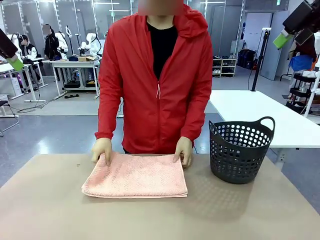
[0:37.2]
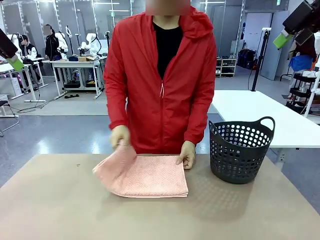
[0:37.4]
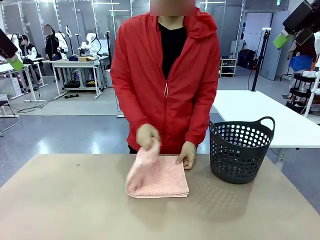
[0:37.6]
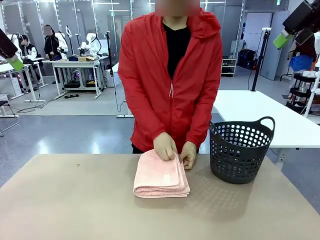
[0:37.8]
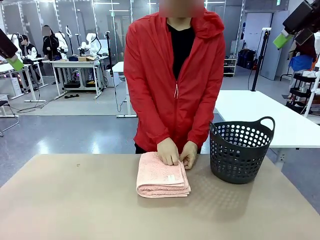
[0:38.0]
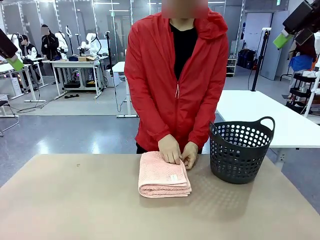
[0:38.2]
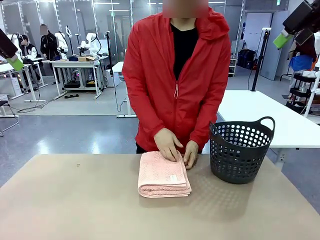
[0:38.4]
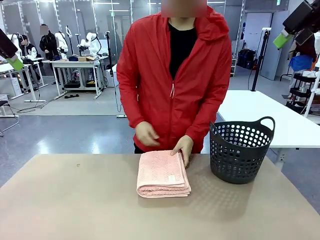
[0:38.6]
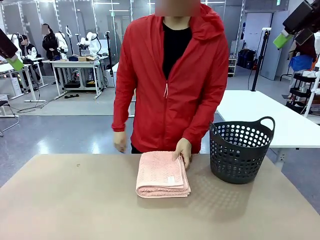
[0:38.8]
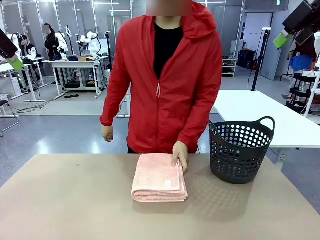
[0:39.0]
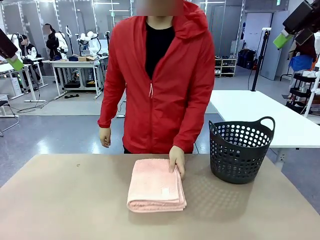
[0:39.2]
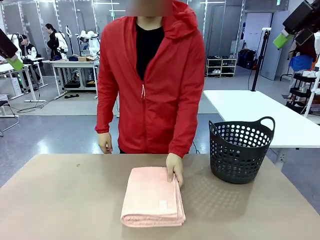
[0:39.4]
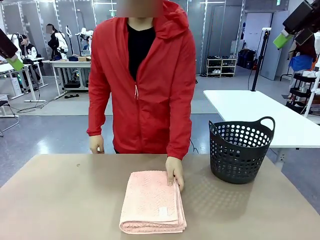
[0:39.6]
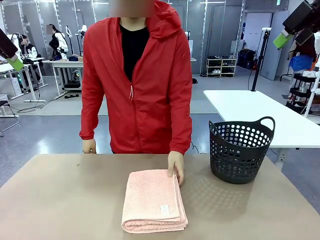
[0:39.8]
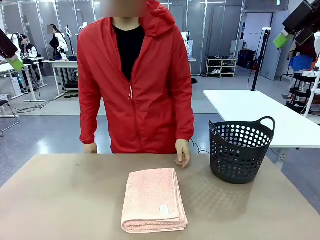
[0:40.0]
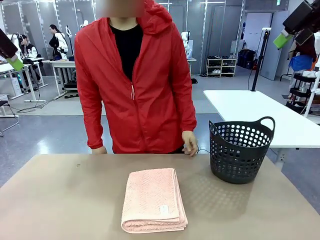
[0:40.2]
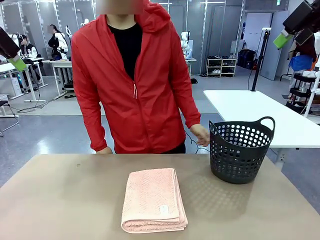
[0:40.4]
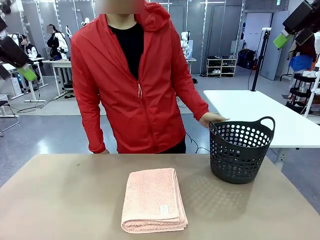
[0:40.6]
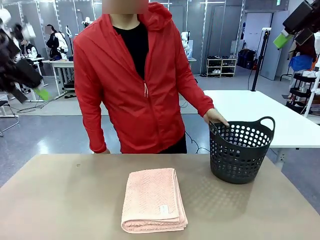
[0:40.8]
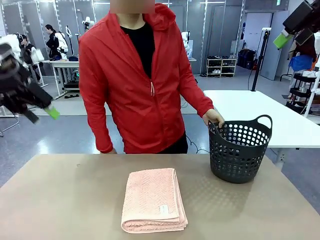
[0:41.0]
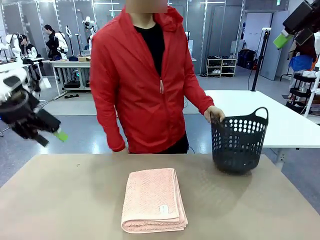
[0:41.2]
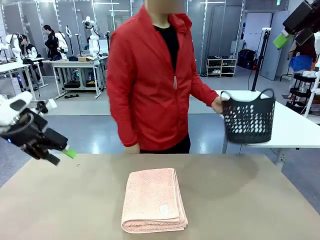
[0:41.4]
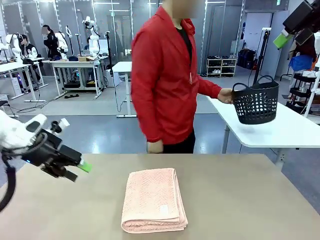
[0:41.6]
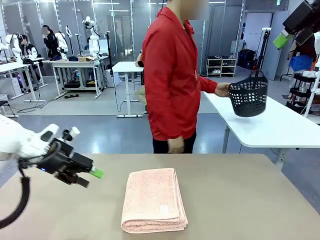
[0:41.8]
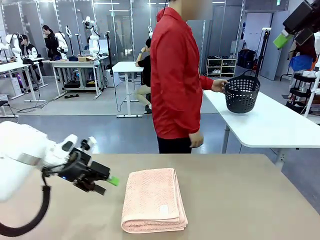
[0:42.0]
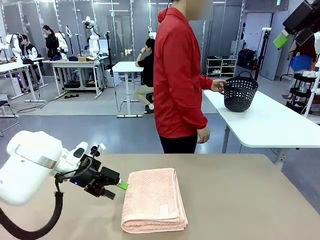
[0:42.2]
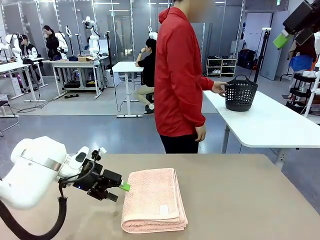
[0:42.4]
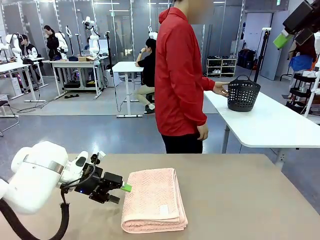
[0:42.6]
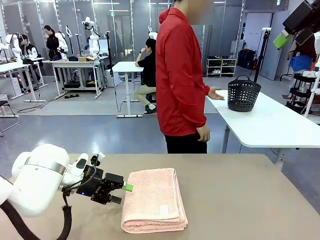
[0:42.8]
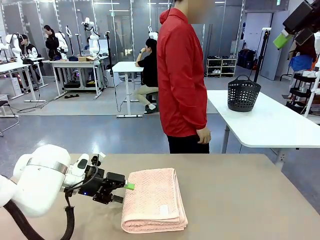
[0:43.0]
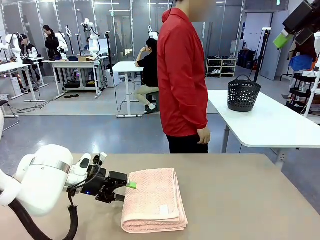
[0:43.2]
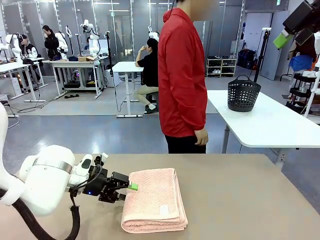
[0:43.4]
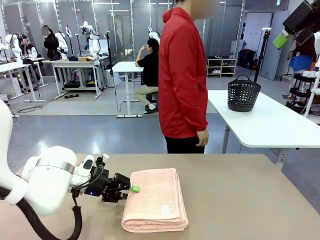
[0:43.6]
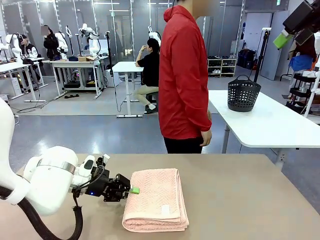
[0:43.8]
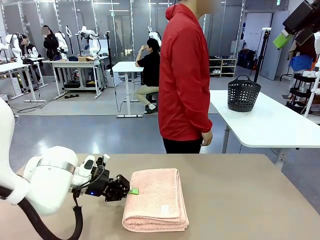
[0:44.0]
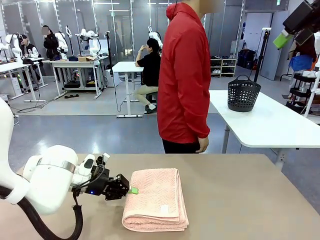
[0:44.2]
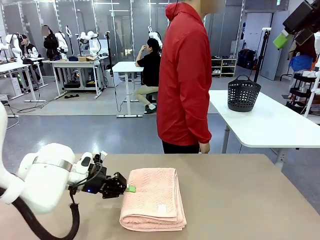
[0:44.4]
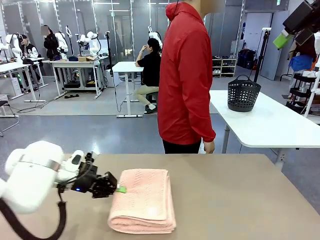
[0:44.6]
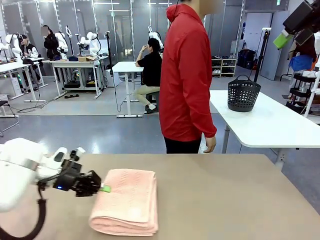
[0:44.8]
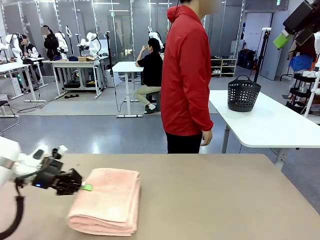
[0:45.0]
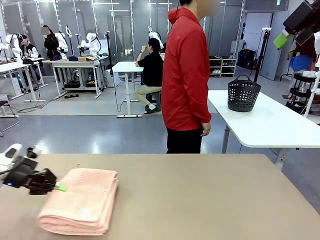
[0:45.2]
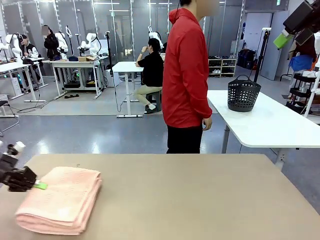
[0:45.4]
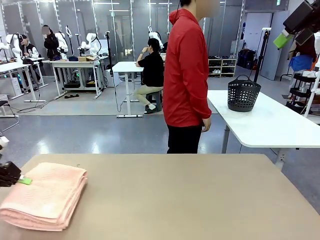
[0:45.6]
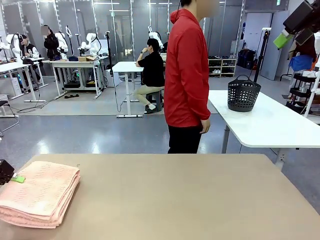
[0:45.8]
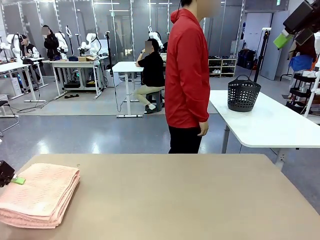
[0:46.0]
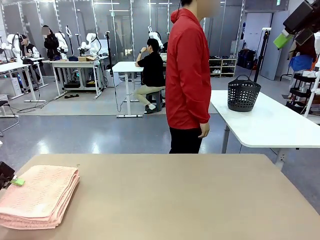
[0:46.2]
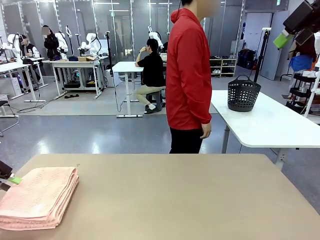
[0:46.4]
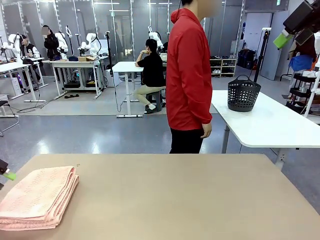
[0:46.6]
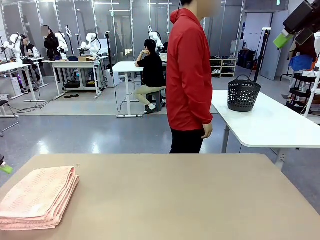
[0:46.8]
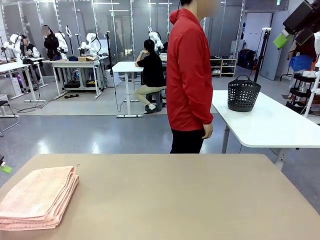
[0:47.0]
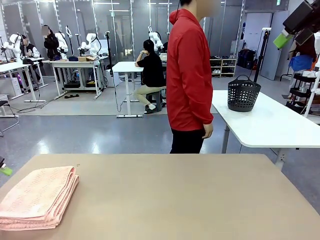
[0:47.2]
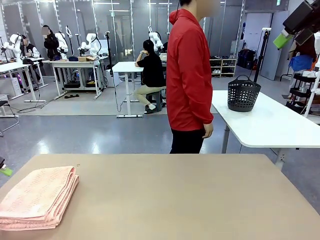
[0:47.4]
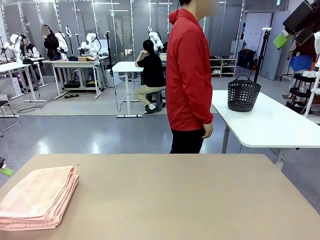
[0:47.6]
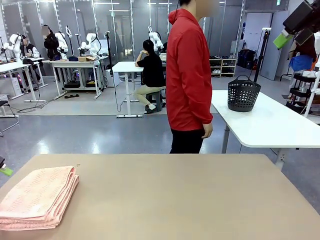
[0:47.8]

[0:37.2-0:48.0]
Task: Fold the towel.
Robot: Pick up the 100 cm Hotel Towel and place it on the left side of the table.
Person: Pick up the laundry basket and place it at the center of the human table.

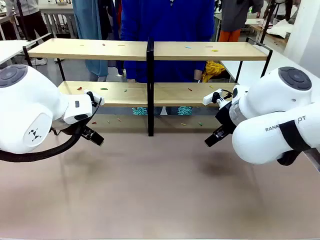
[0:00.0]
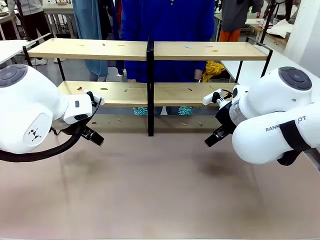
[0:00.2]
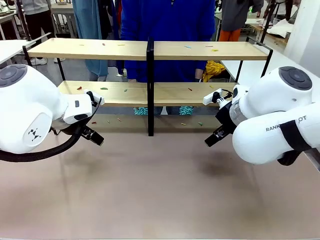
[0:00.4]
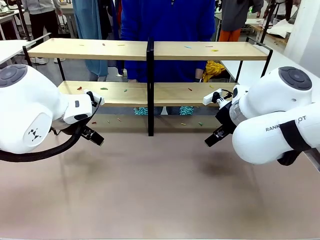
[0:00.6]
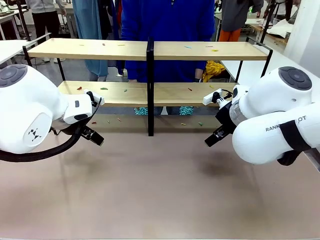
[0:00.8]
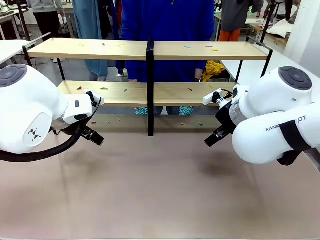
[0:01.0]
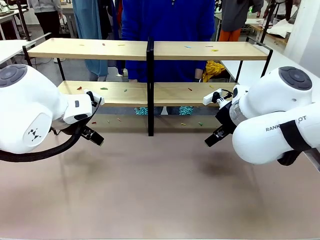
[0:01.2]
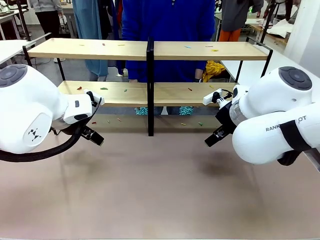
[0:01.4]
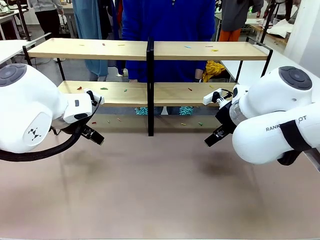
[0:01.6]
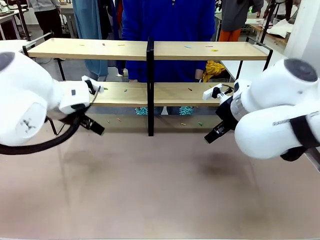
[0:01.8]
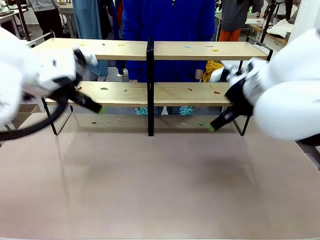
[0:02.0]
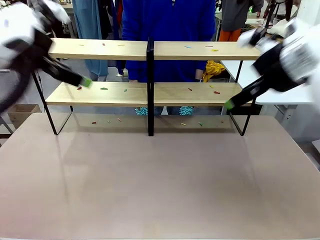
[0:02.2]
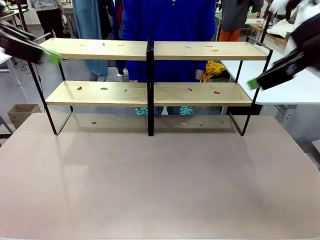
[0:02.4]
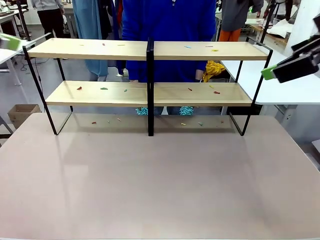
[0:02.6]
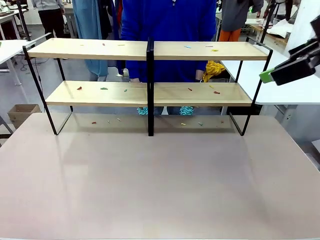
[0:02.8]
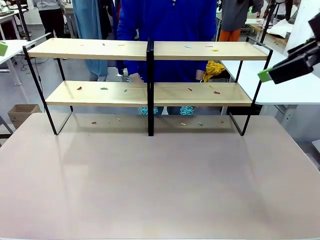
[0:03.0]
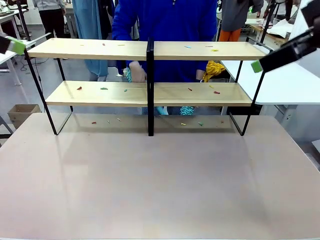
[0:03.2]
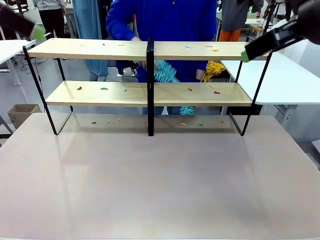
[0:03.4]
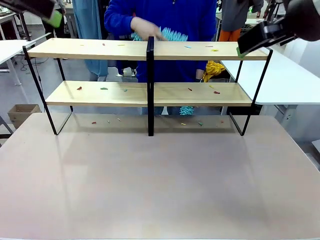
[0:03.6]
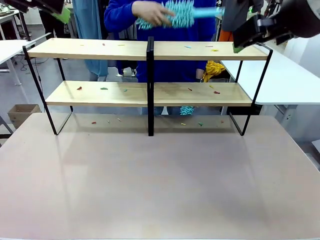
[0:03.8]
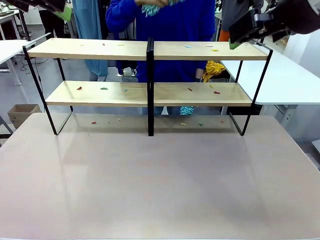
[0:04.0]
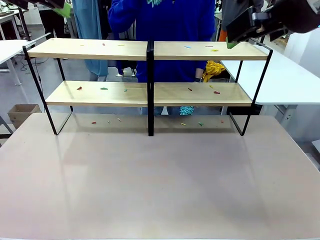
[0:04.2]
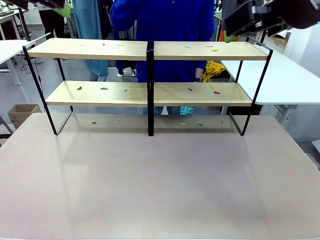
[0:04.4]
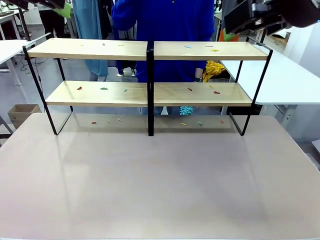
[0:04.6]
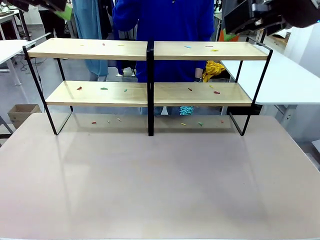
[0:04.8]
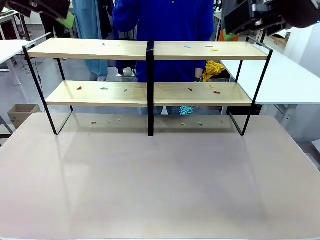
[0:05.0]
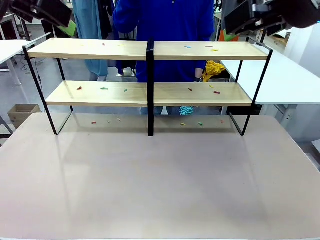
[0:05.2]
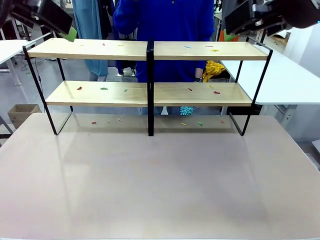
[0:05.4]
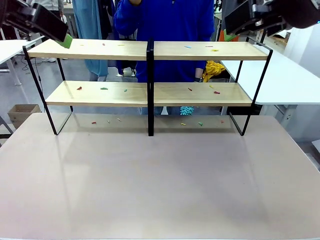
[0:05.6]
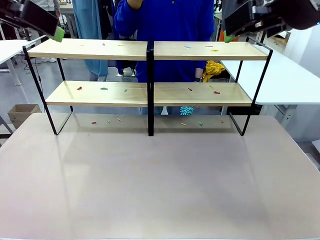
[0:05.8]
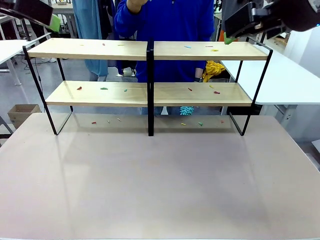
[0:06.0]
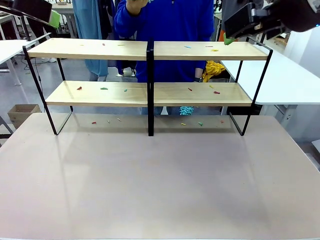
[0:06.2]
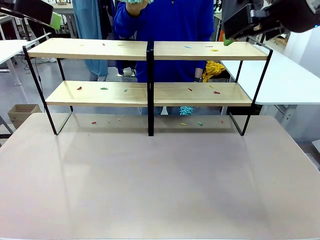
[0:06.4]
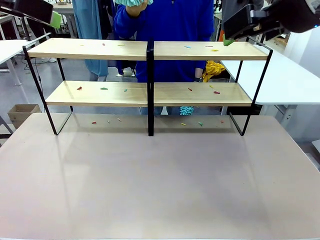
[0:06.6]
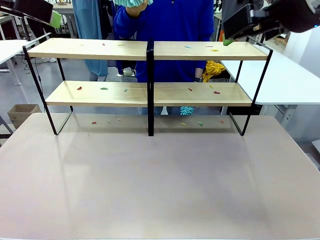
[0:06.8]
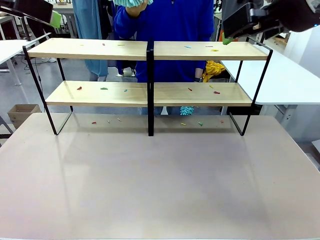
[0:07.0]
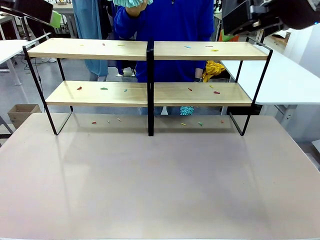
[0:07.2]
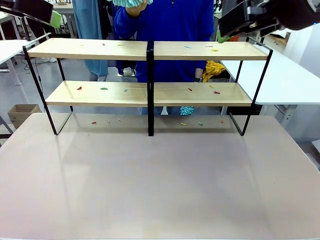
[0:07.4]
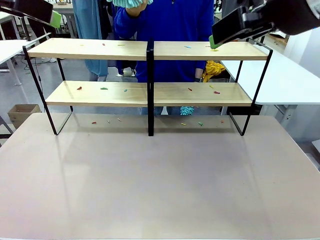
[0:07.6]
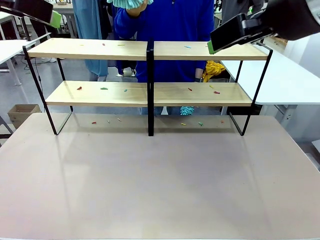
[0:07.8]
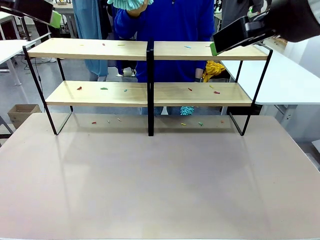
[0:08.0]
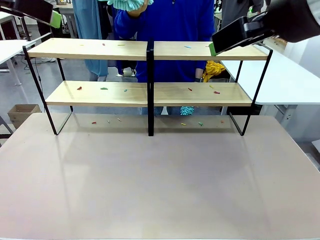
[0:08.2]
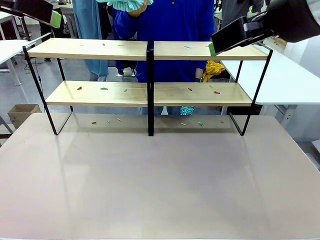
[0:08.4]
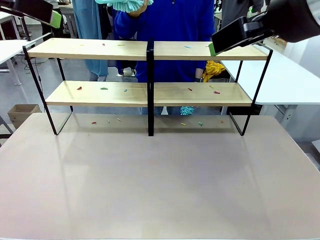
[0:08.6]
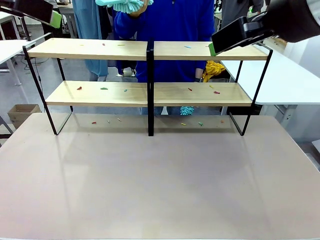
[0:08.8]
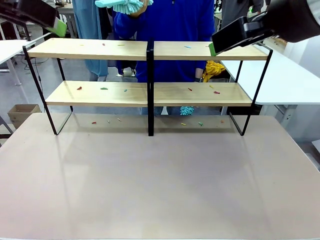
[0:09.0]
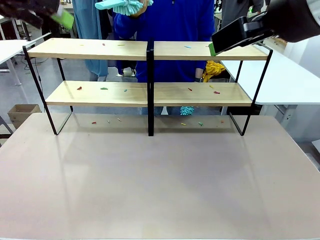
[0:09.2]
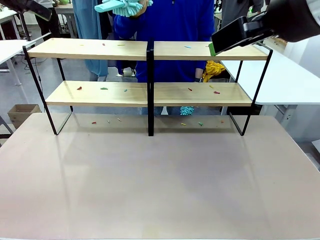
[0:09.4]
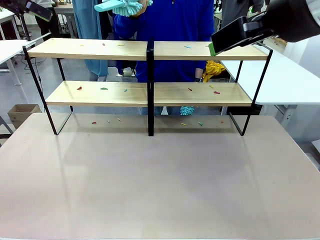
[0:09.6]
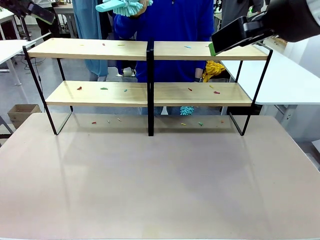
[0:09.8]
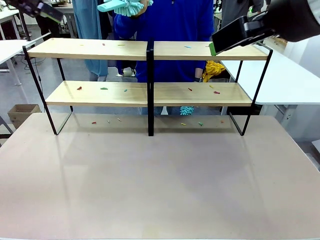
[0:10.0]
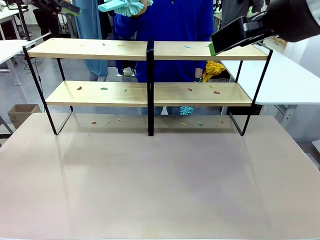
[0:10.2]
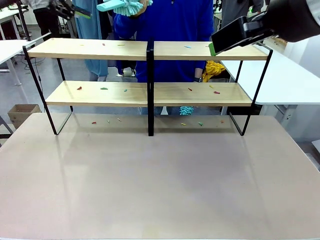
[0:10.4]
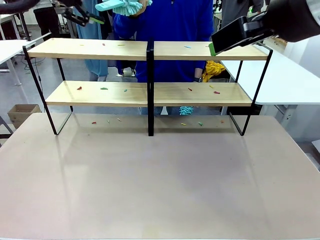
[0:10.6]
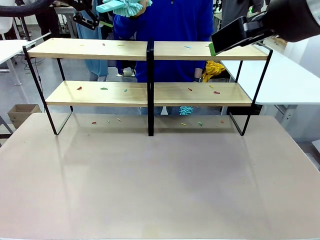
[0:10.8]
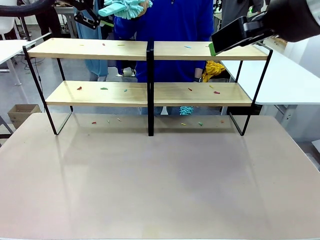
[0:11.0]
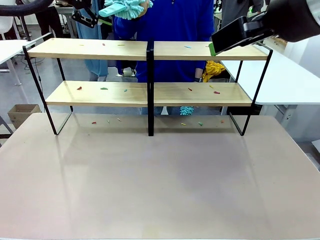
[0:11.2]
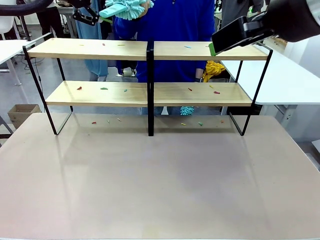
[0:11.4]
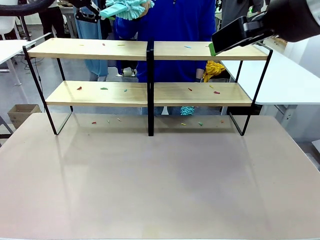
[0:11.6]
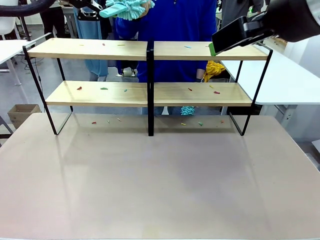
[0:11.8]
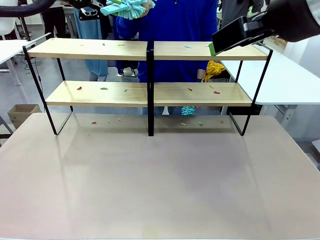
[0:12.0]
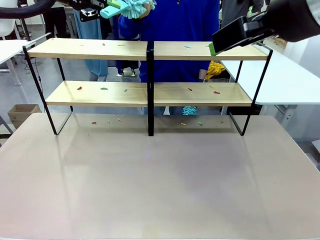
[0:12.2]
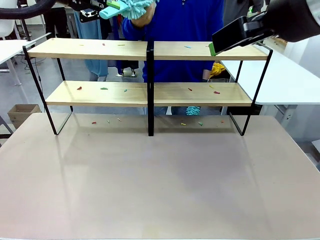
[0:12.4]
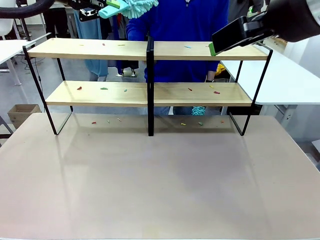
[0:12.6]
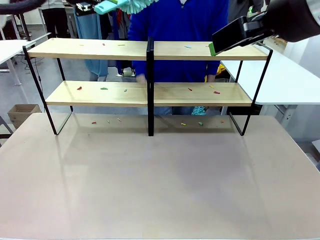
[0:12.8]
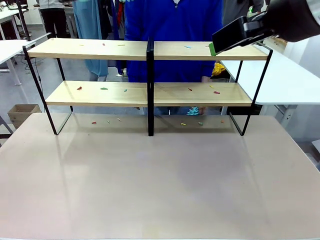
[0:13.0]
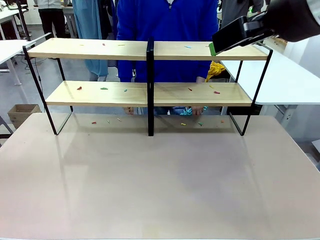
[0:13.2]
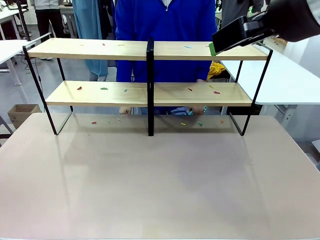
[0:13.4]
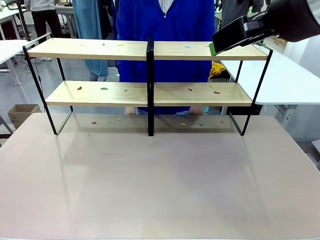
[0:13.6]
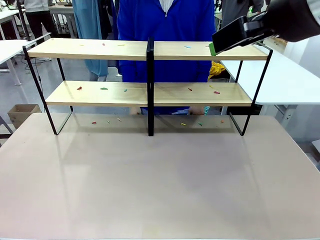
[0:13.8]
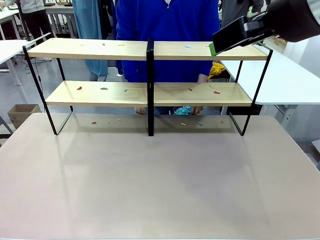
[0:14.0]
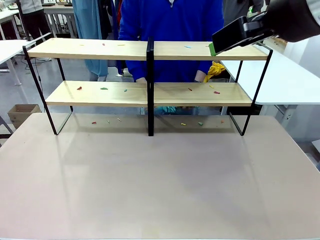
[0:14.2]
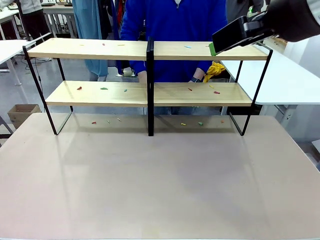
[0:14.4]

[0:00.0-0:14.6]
Task: Clean the shelves.
Robot: Pick up the Duster when the human hands it over.
Person: Hand the Duster to the robot with your right (or left) hand.
